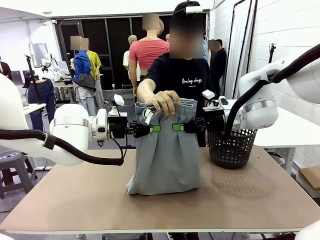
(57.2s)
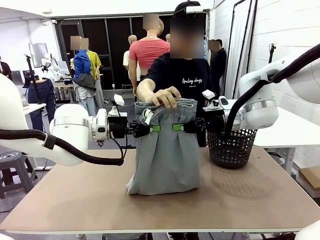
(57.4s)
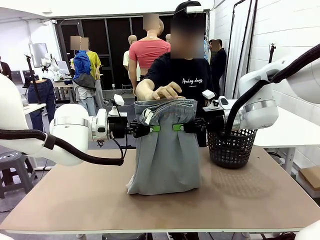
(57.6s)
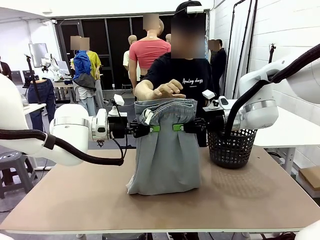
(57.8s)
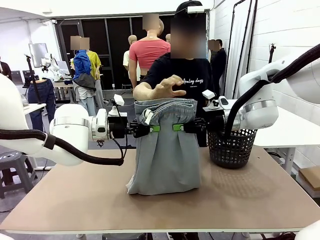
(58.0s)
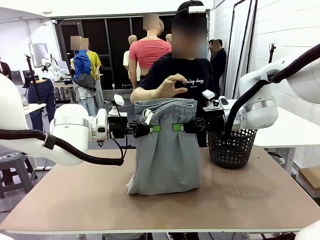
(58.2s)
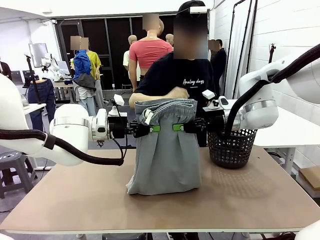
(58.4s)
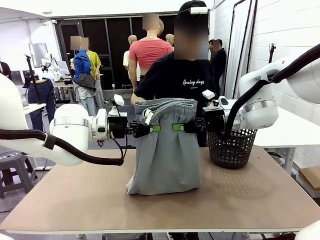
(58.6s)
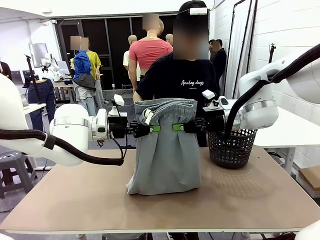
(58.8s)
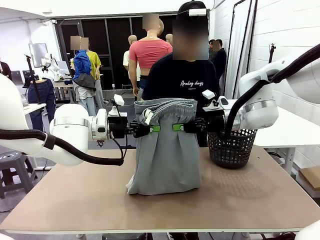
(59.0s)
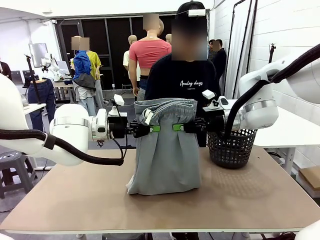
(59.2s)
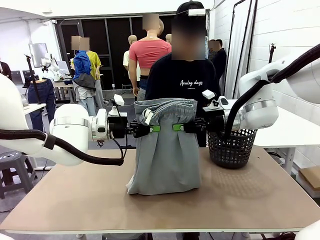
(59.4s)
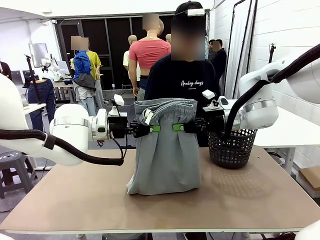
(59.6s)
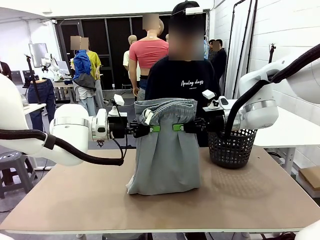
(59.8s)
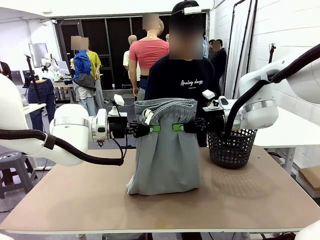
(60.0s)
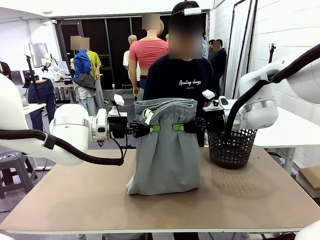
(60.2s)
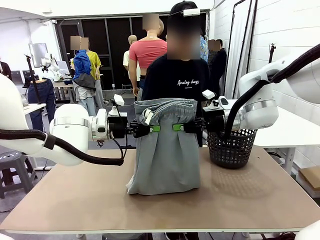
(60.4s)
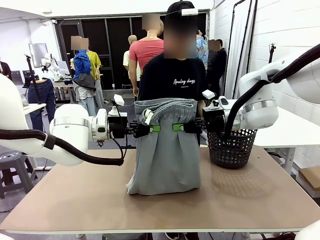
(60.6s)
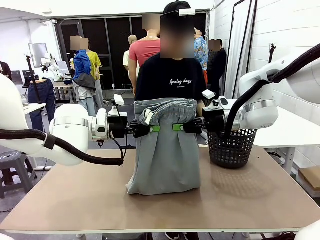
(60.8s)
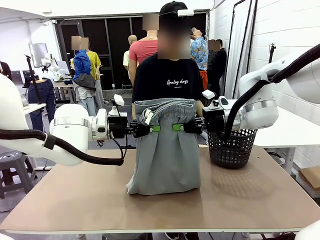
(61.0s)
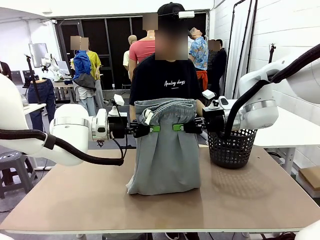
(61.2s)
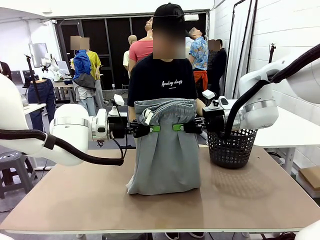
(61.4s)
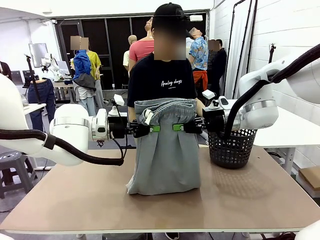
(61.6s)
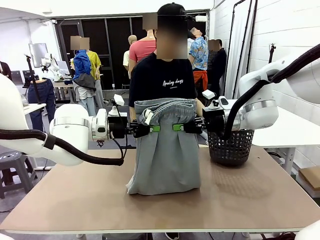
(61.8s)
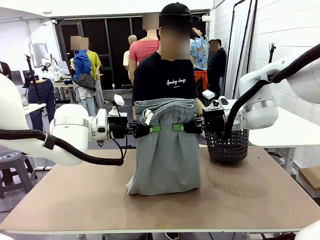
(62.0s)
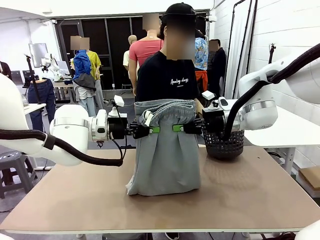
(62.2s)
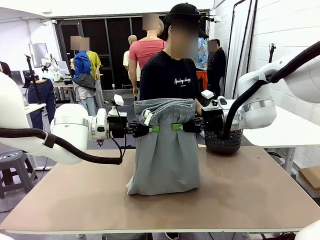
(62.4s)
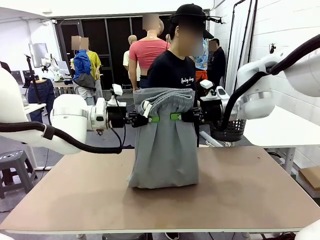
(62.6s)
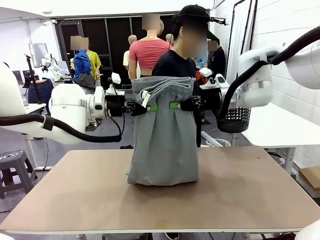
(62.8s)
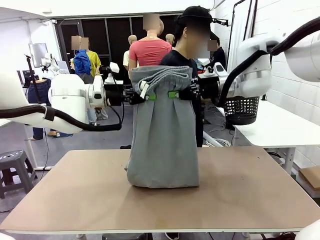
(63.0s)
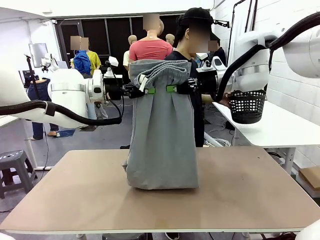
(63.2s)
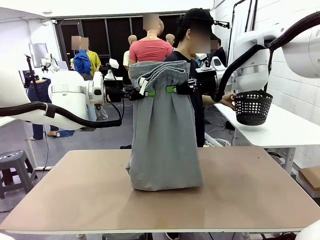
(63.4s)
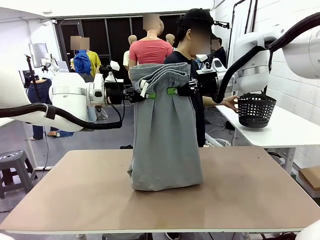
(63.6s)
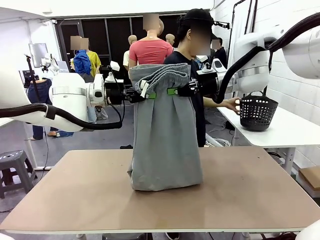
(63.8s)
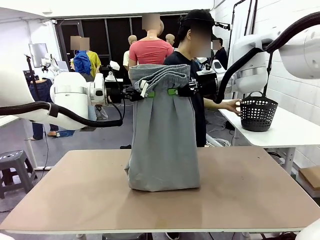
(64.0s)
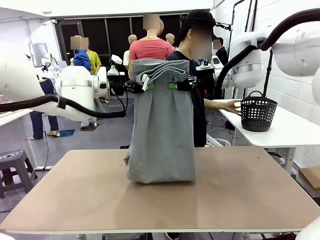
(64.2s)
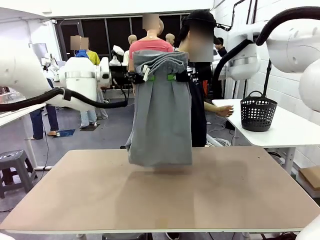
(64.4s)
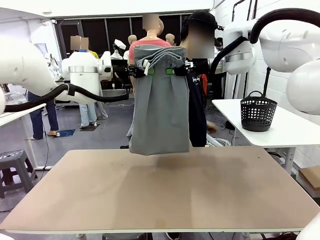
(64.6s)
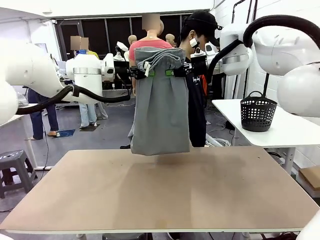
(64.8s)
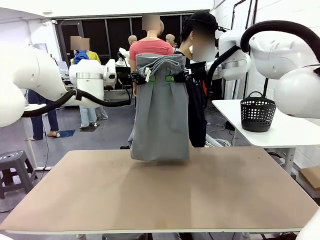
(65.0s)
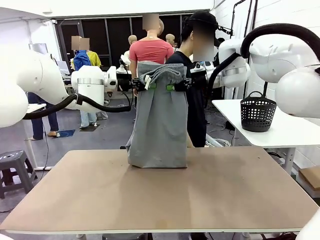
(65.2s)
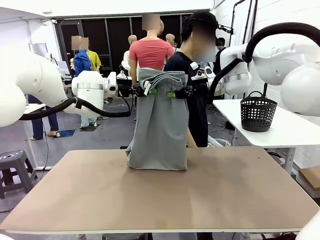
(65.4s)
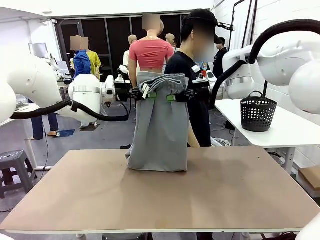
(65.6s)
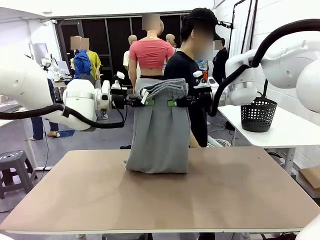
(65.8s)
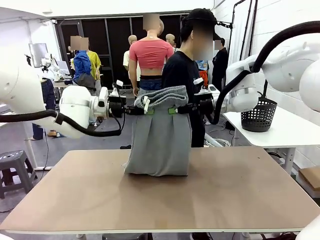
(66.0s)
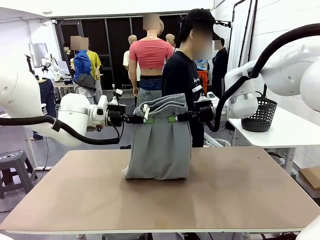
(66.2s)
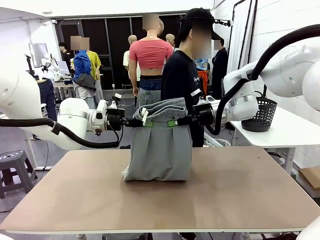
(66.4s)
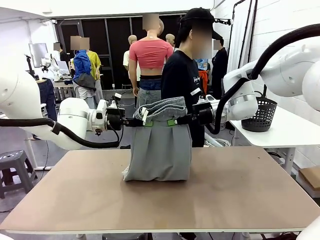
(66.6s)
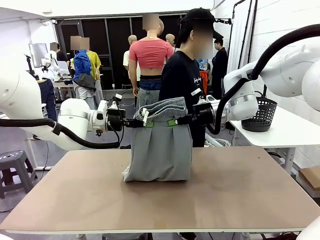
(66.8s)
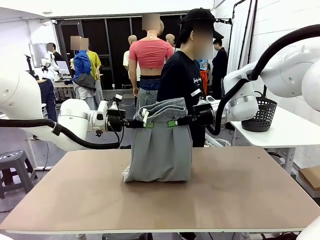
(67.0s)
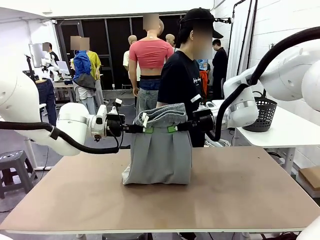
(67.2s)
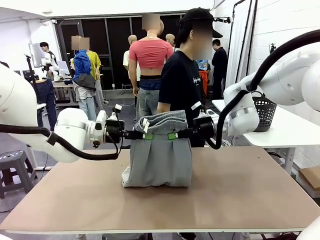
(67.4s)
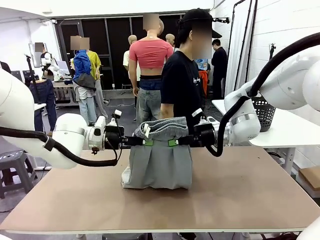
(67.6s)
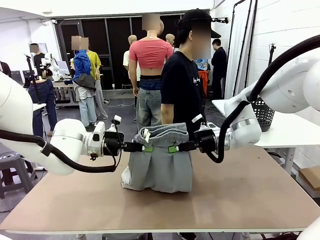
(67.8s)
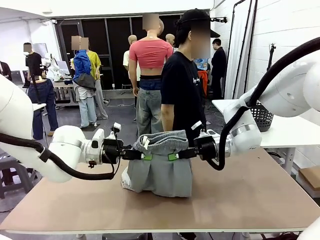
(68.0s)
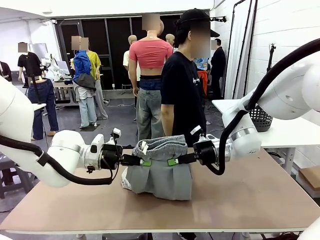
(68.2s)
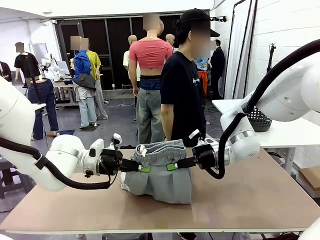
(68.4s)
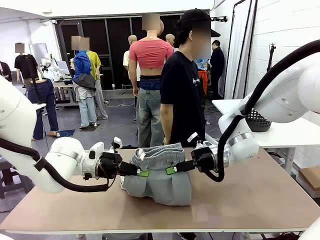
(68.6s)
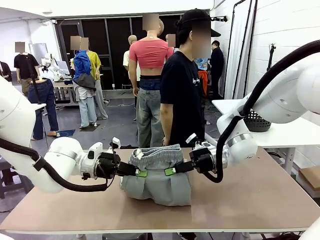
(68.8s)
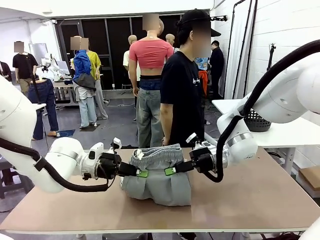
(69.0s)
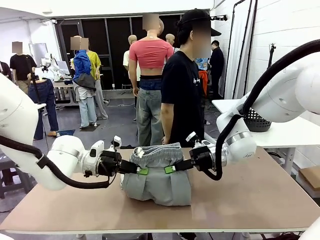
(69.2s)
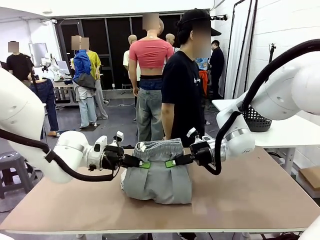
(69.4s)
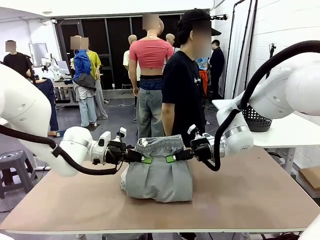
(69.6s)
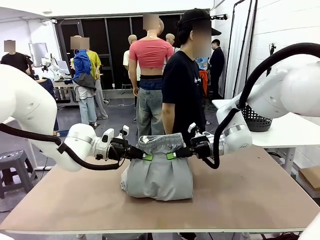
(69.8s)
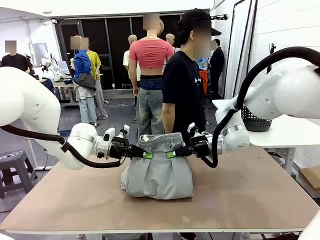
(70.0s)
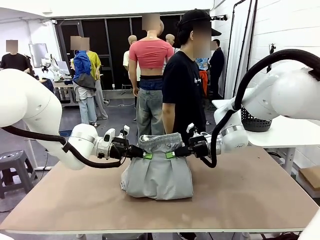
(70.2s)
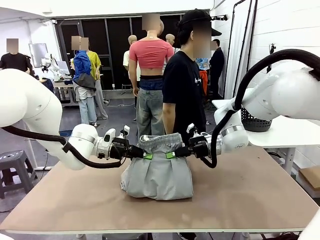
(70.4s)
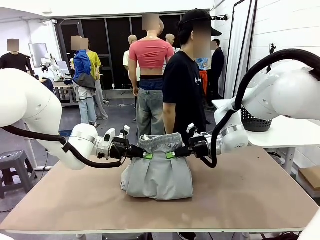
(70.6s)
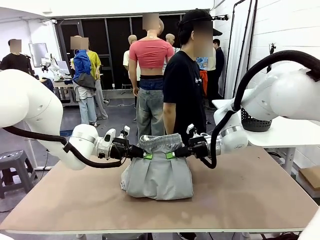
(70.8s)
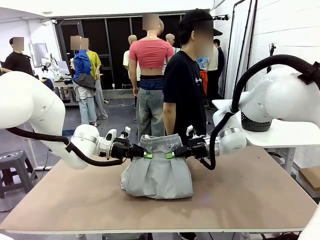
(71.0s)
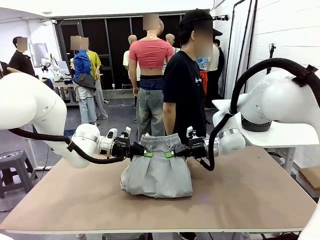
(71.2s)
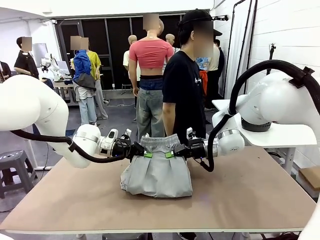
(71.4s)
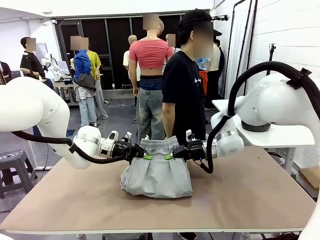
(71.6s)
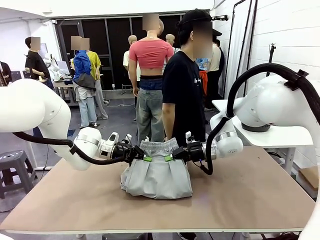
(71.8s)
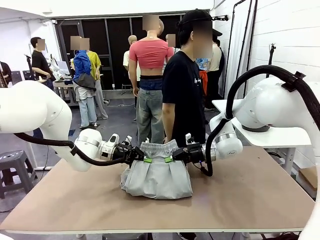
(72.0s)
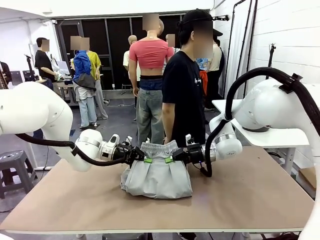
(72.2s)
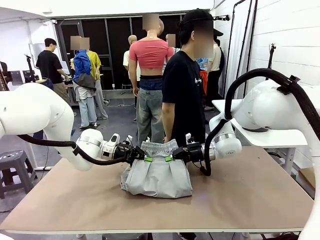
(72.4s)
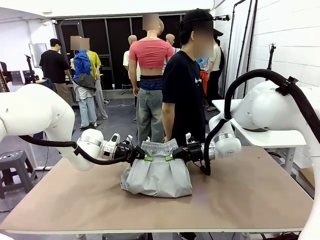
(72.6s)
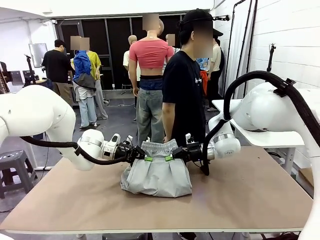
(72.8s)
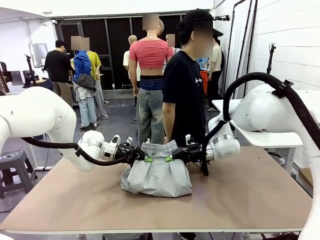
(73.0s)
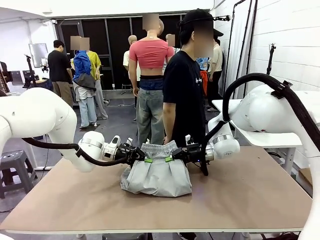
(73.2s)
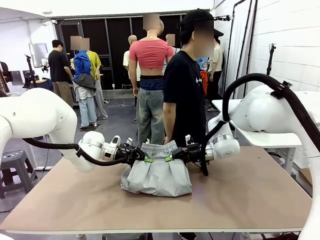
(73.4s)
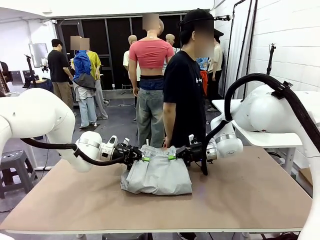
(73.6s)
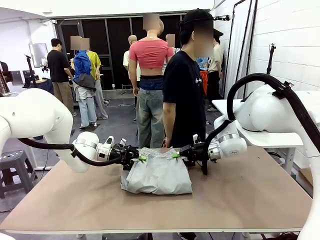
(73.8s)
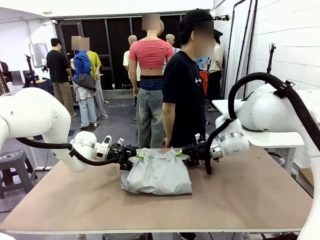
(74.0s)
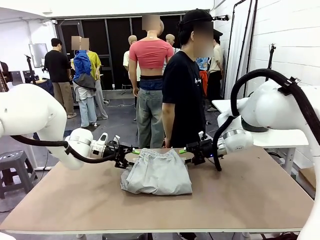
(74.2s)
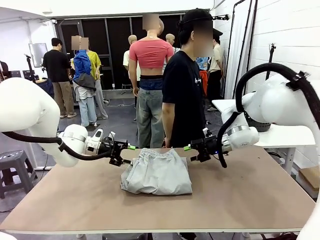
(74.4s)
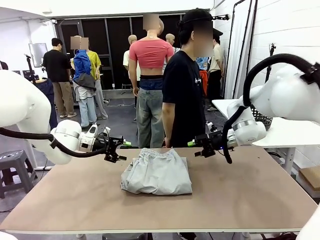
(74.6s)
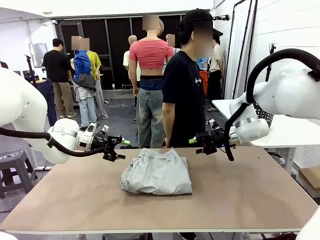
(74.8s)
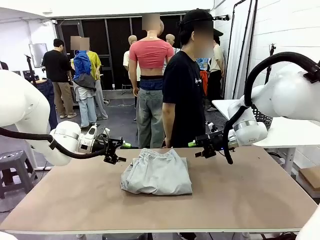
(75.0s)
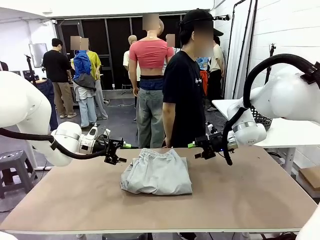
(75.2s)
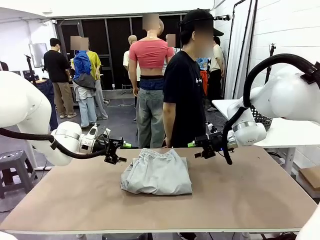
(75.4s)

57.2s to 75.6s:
Task: Fold the training pants.
Robot: Fold the Training pants in half.
Person: Move the laundry basket to the right of the human table.
